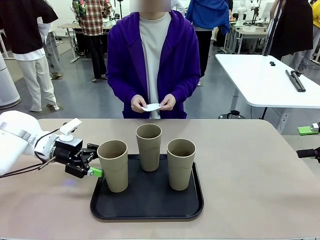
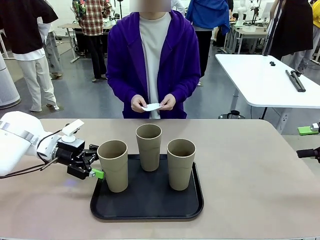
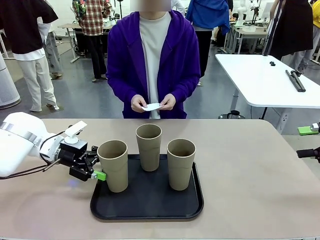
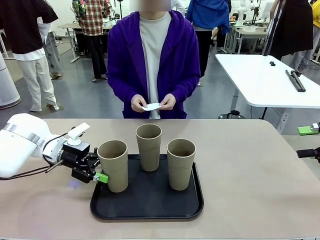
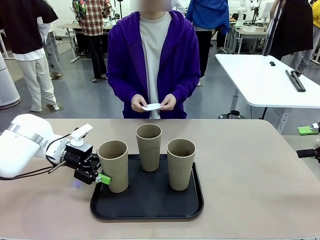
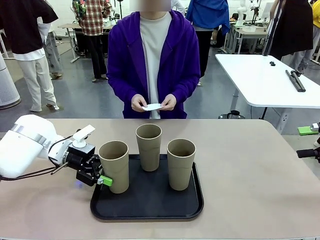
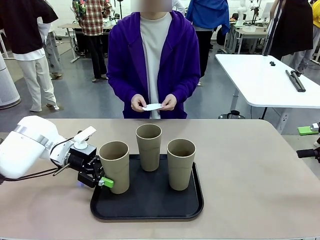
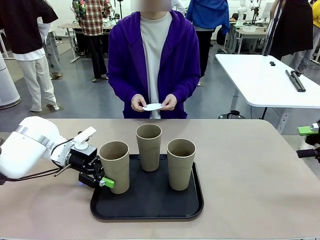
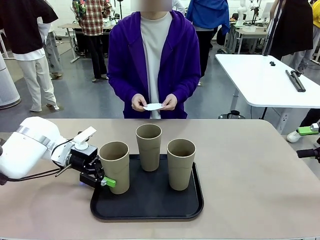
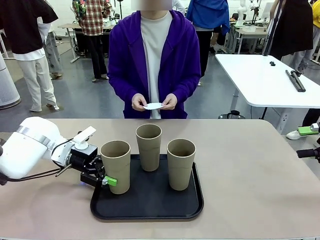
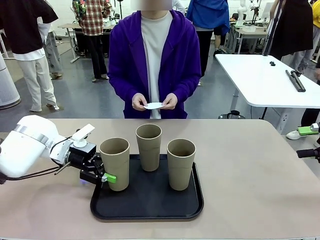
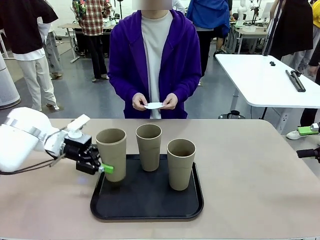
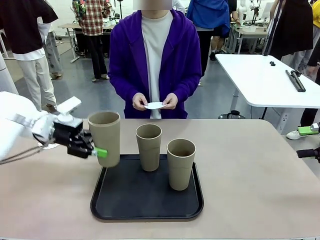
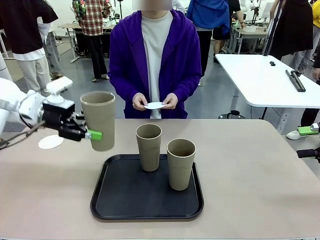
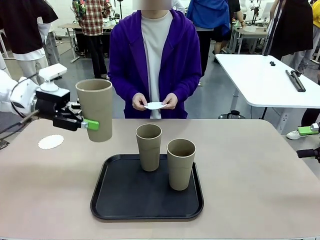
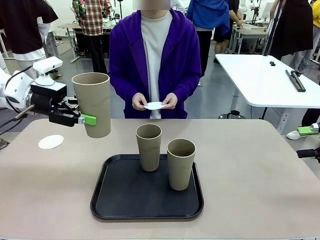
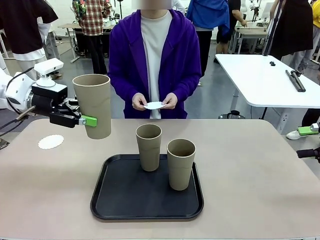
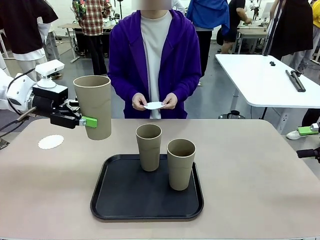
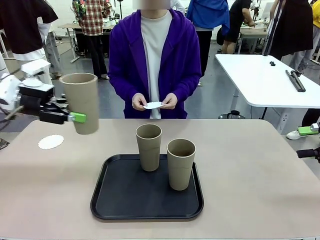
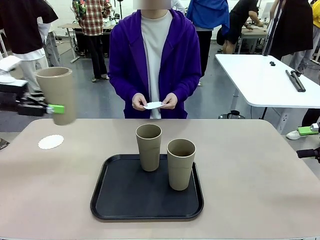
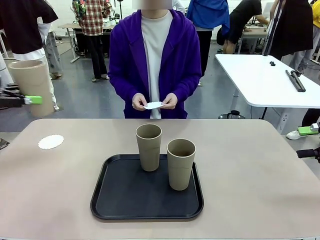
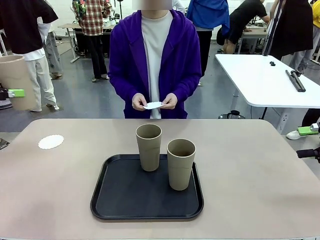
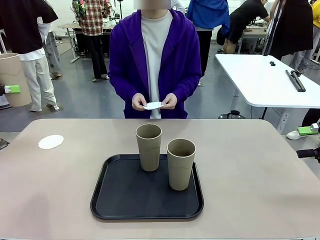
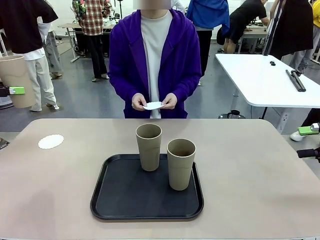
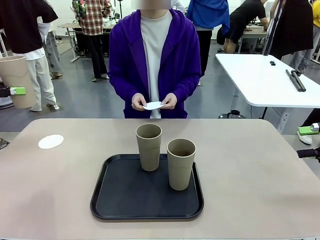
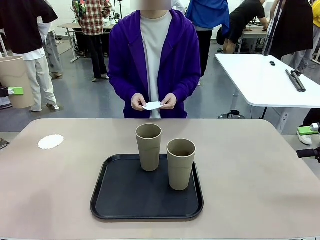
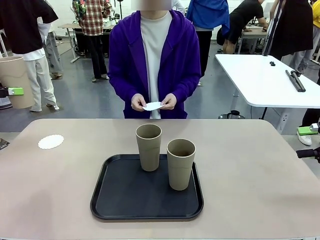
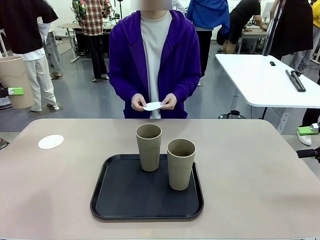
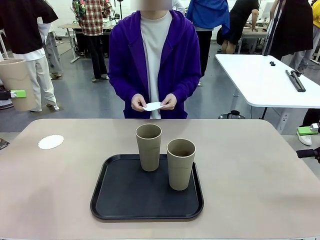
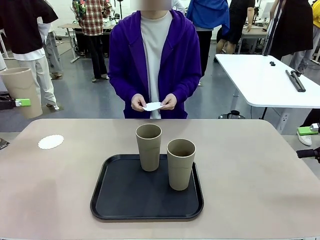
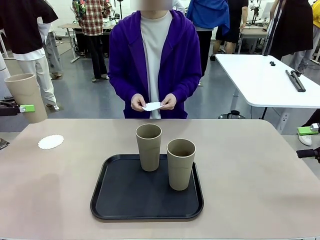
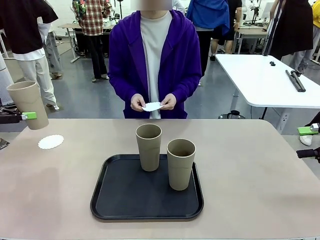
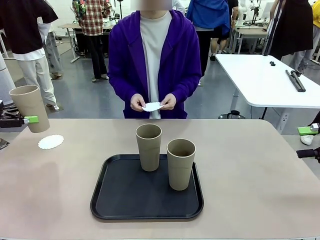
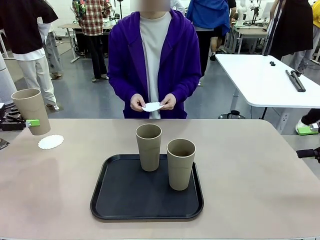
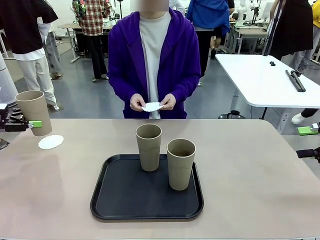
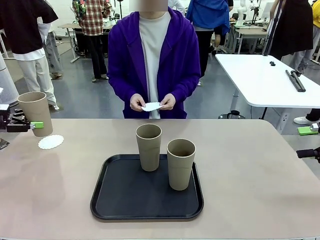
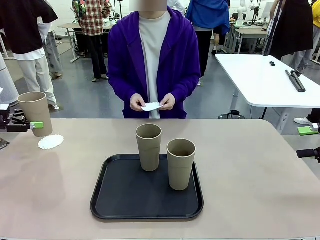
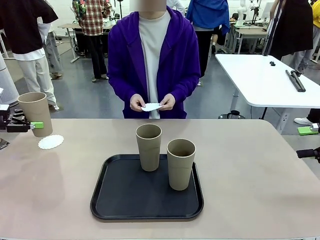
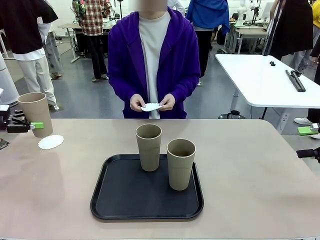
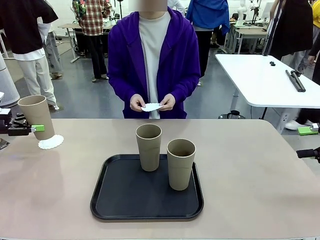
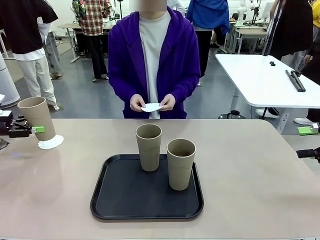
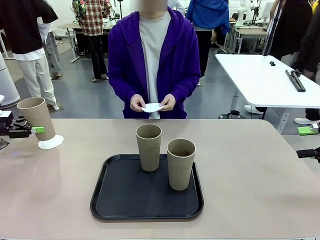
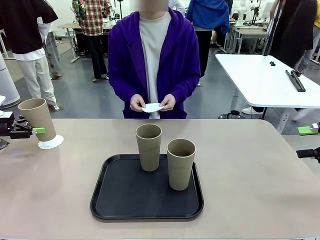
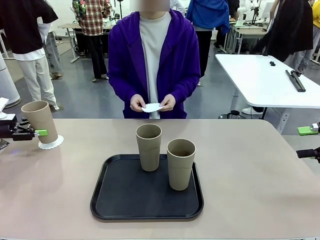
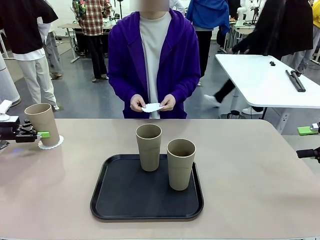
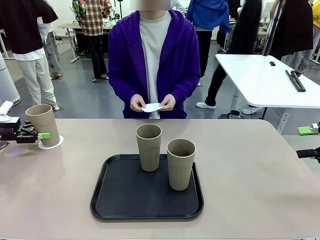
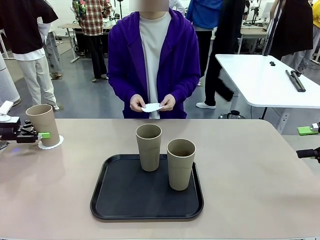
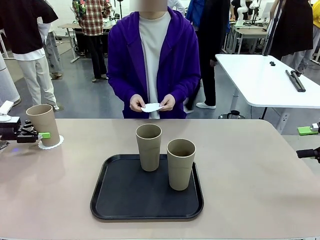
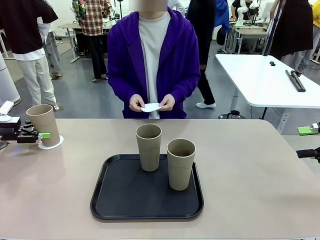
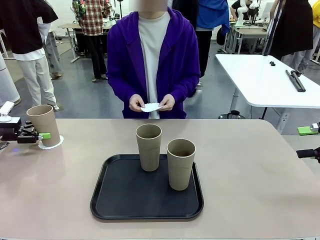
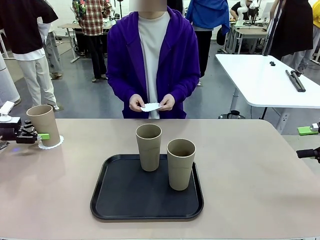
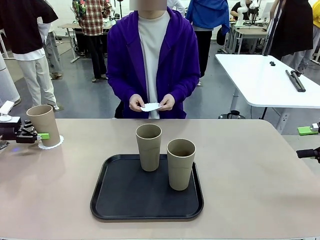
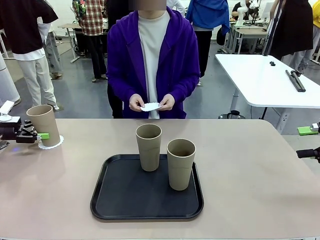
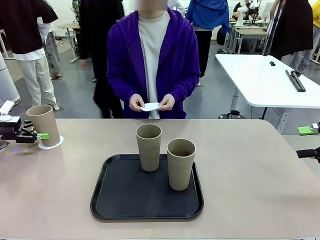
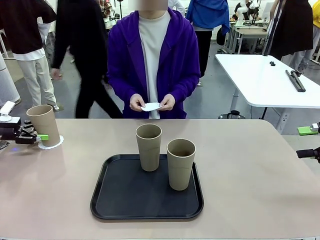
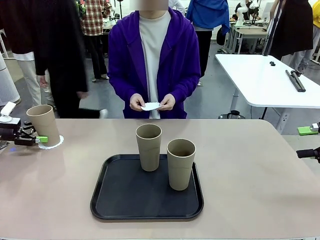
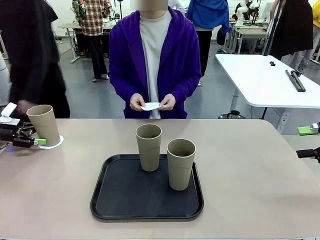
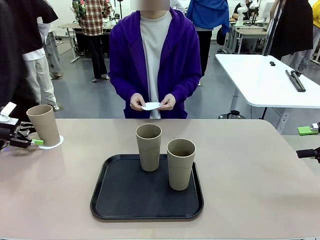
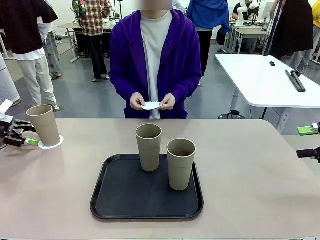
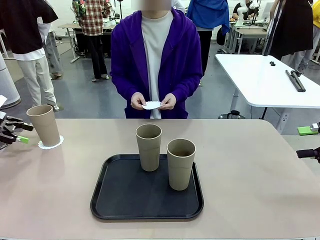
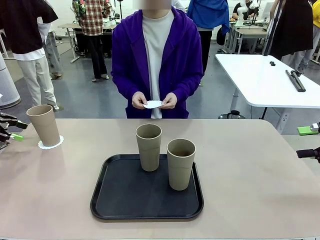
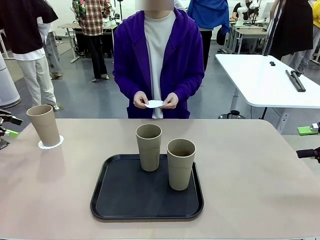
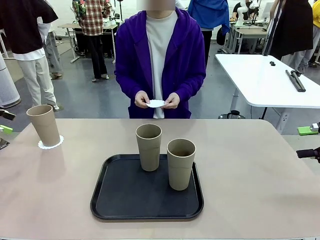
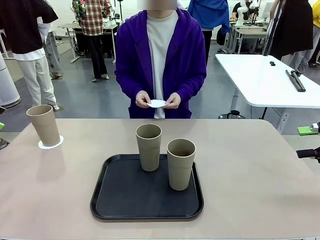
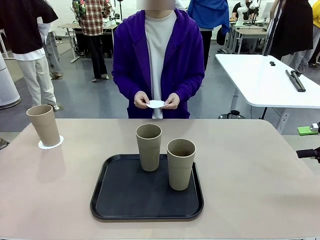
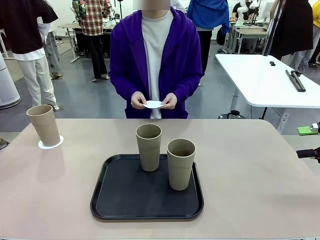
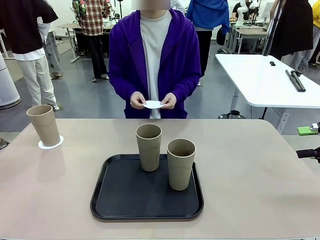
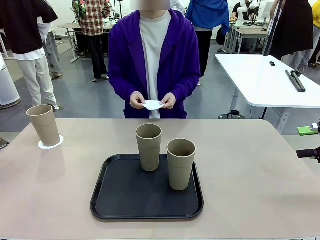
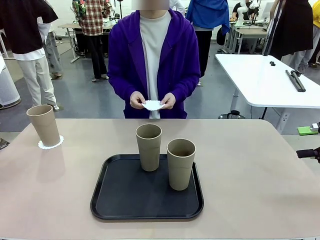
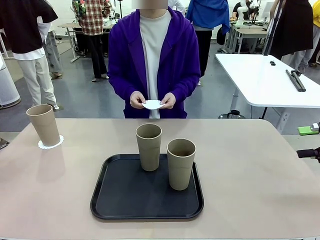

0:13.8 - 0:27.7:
Task: Place coasters on the table and set cups on them.
Robot: Pick up one Reusable plastic cup and place it on a coaster set by the human.
Person: Place one coaster in one of the two areas excluding the previously selected area.

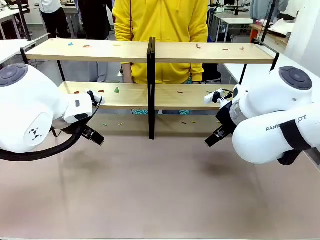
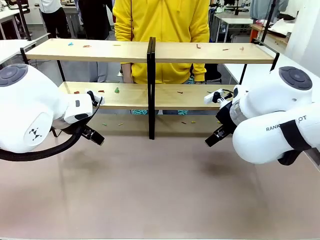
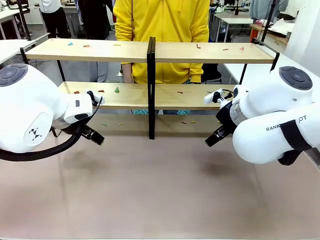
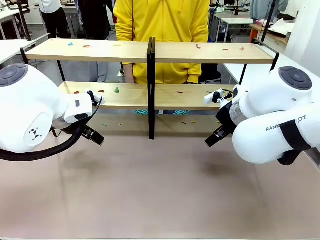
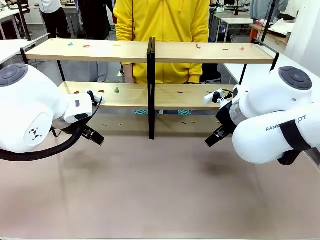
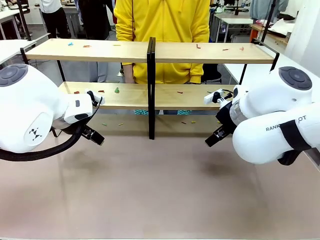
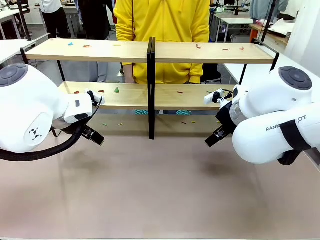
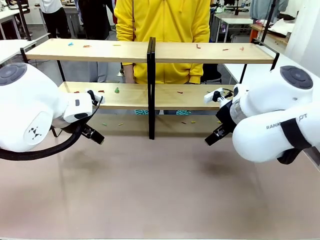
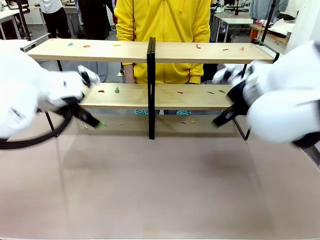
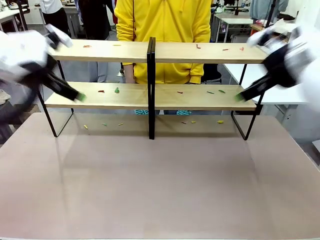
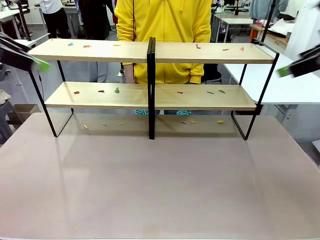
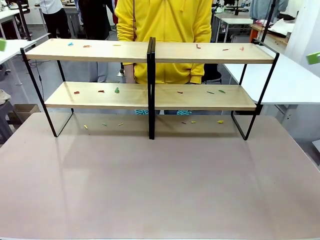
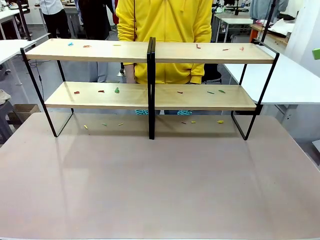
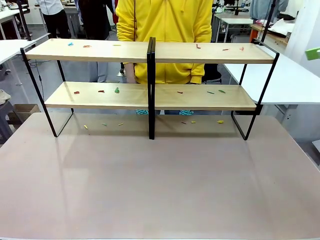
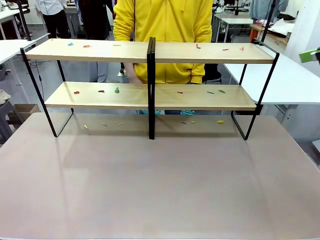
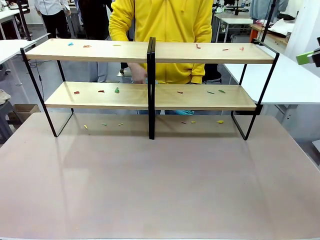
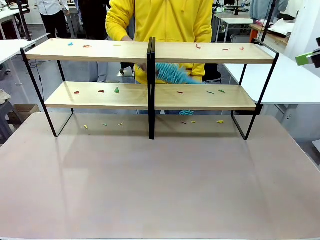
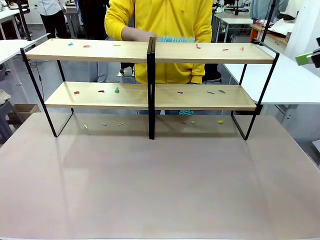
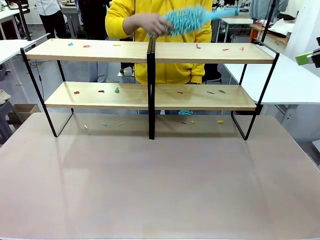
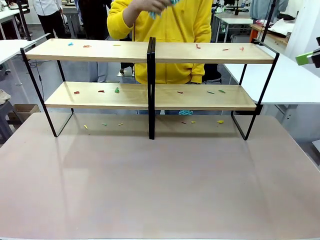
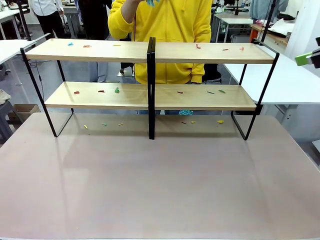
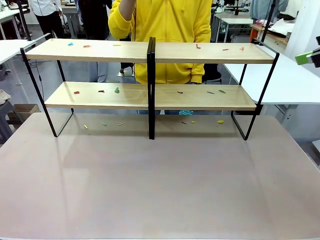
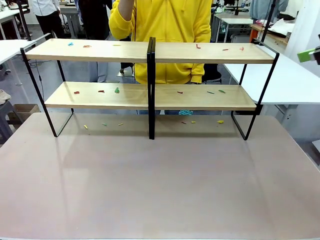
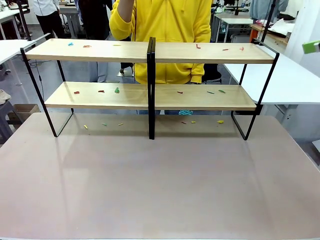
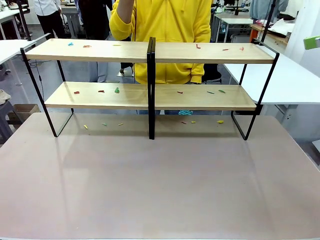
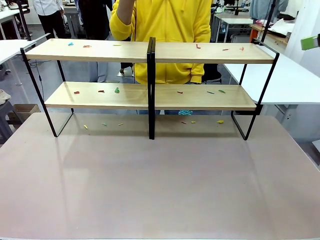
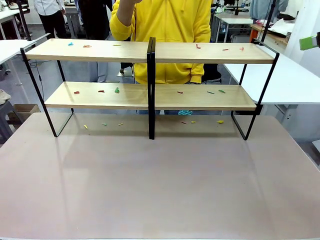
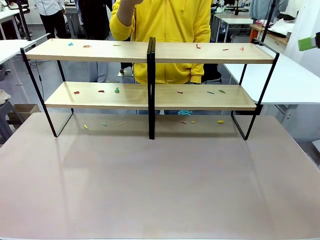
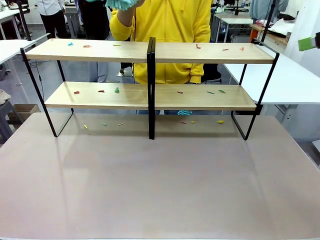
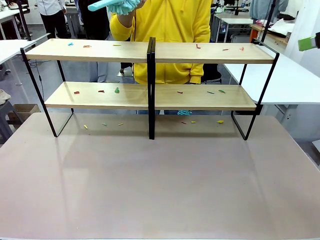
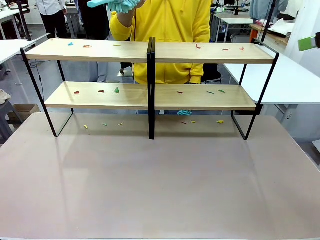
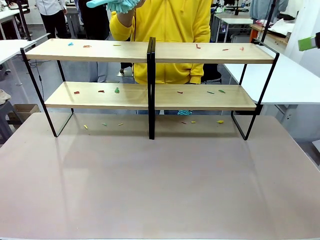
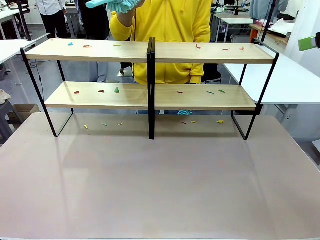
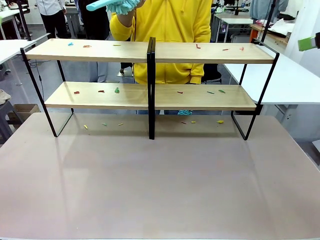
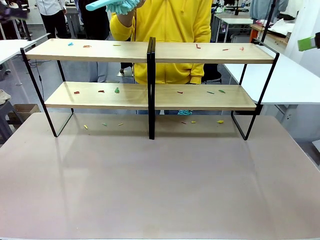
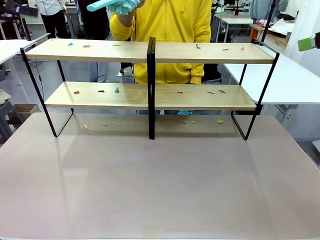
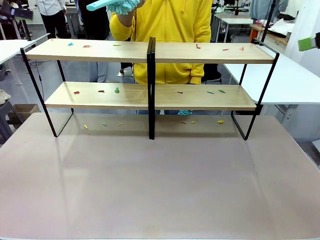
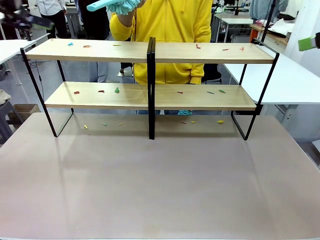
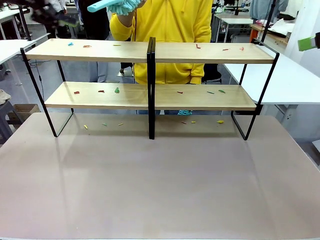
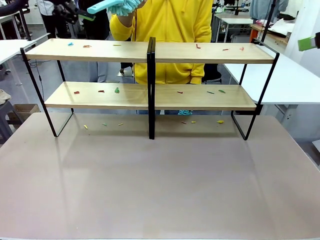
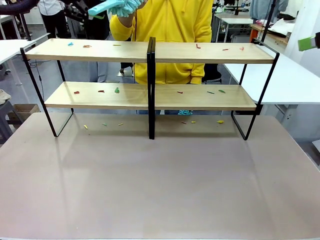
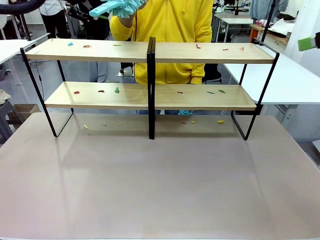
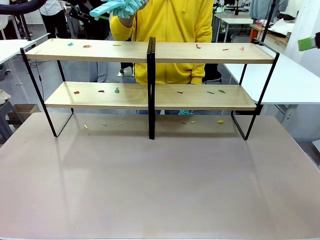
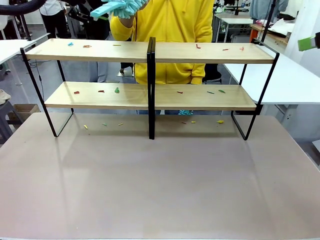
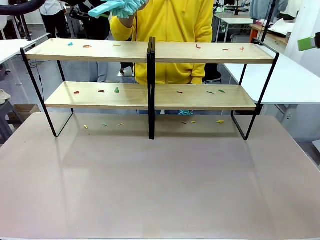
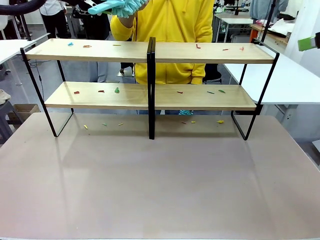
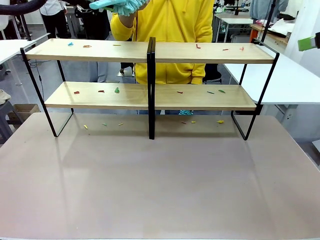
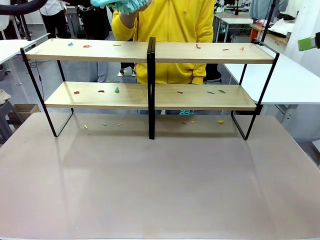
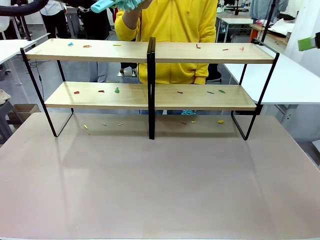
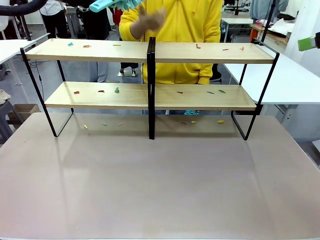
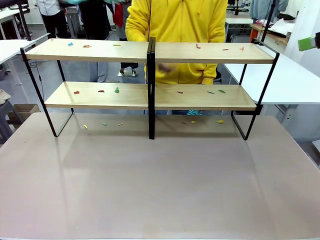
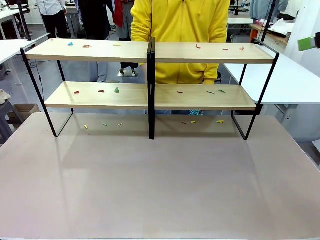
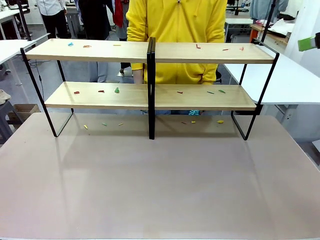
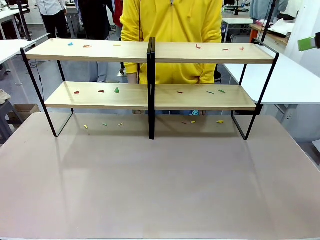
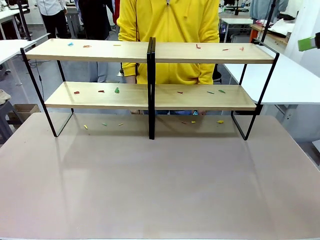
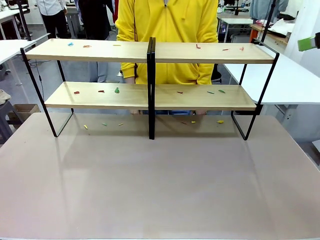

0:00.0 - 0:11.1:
Task: Clean the shelves.
Robot: Pick up the Duster when the human hands it over.
Person: Hand the Duster to the robot with your right (or left) hand.
